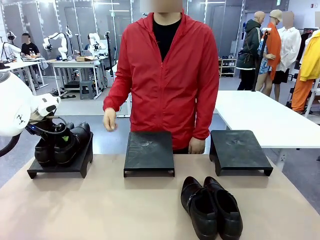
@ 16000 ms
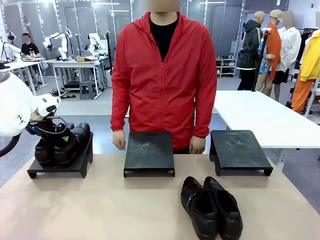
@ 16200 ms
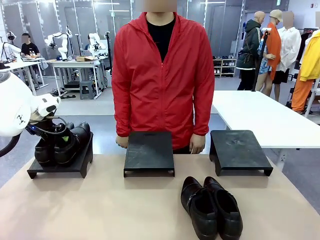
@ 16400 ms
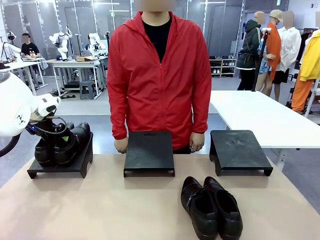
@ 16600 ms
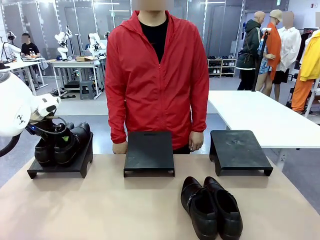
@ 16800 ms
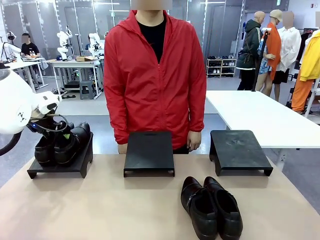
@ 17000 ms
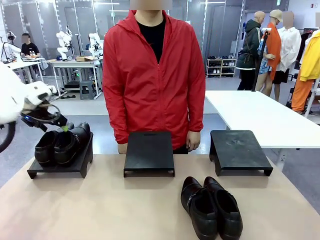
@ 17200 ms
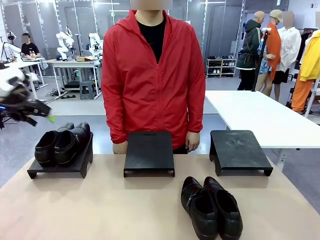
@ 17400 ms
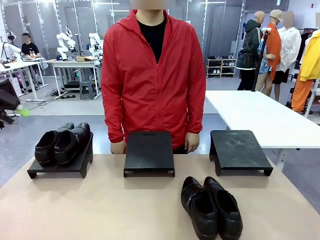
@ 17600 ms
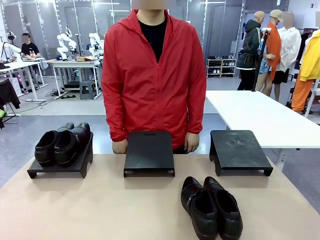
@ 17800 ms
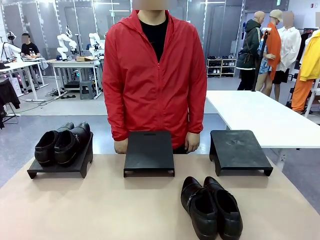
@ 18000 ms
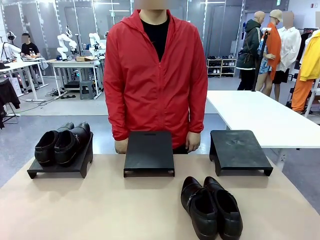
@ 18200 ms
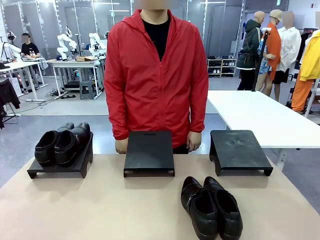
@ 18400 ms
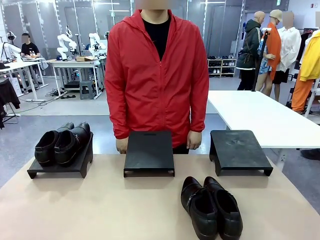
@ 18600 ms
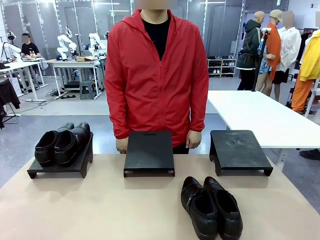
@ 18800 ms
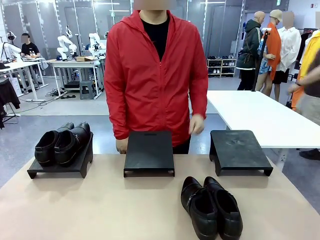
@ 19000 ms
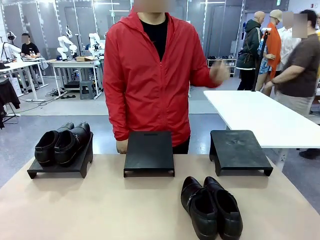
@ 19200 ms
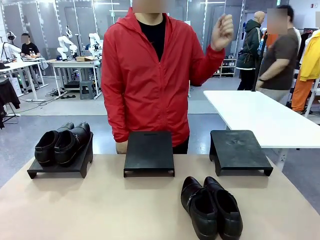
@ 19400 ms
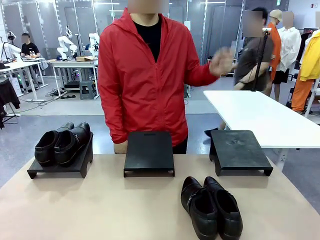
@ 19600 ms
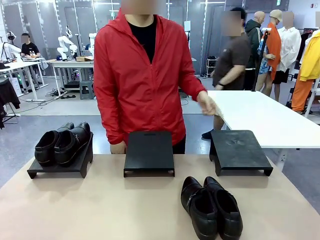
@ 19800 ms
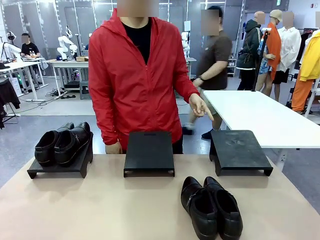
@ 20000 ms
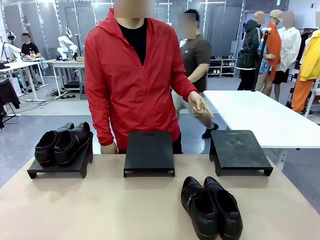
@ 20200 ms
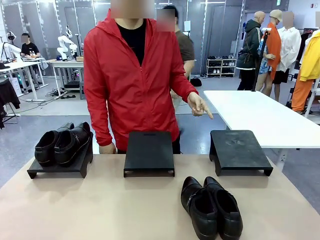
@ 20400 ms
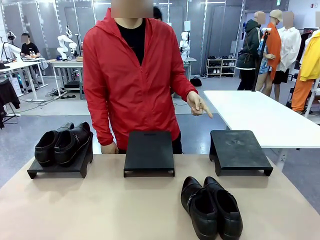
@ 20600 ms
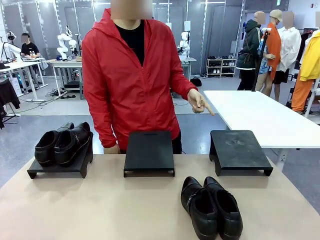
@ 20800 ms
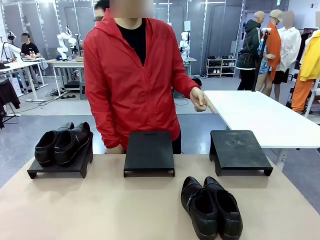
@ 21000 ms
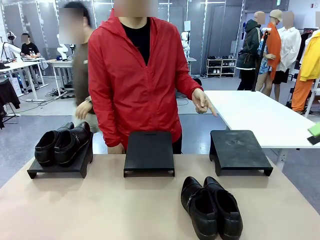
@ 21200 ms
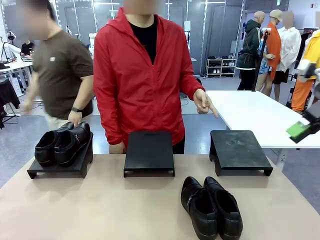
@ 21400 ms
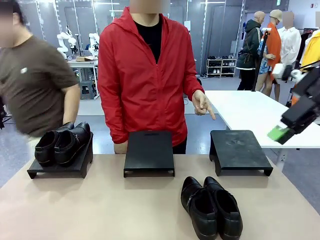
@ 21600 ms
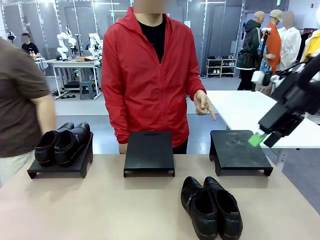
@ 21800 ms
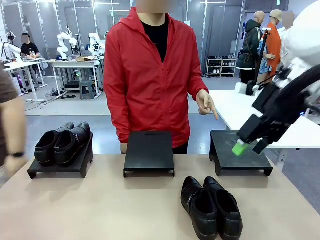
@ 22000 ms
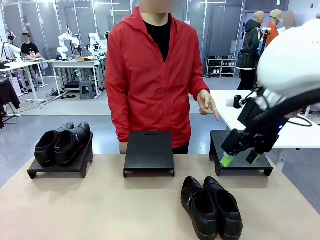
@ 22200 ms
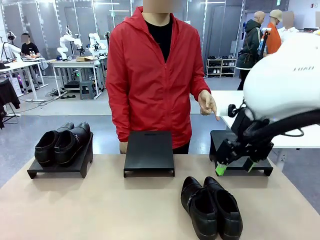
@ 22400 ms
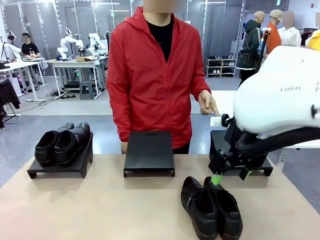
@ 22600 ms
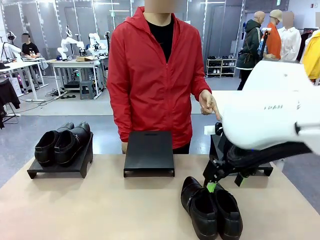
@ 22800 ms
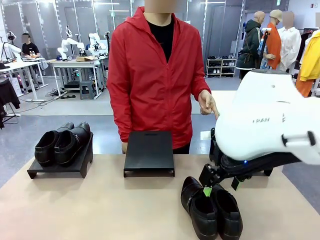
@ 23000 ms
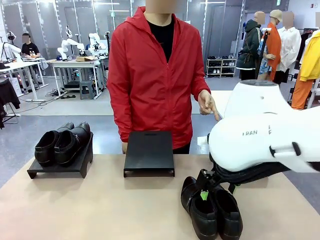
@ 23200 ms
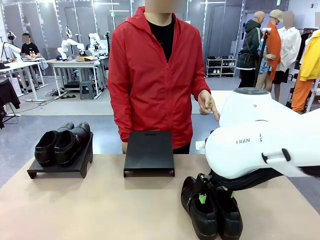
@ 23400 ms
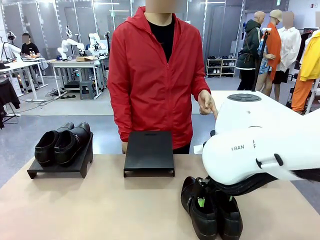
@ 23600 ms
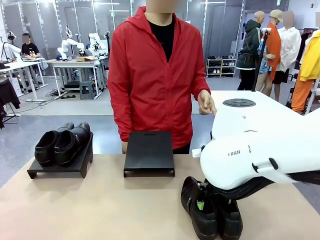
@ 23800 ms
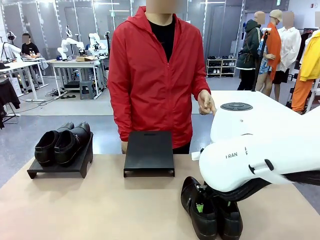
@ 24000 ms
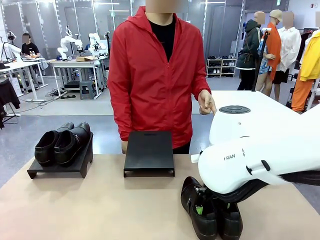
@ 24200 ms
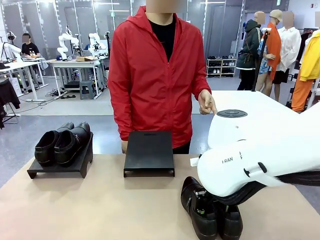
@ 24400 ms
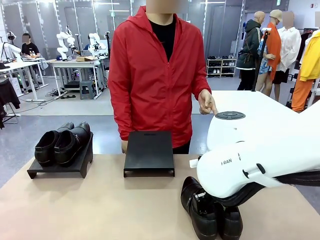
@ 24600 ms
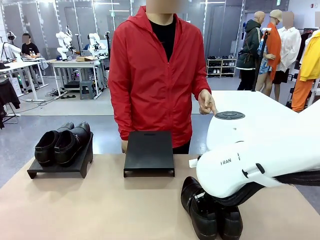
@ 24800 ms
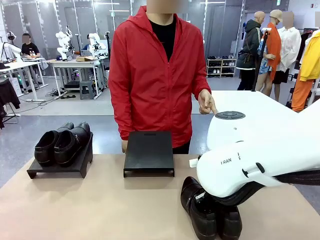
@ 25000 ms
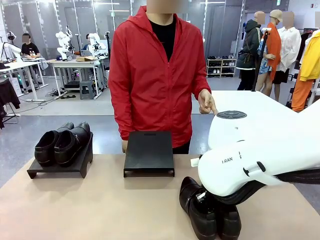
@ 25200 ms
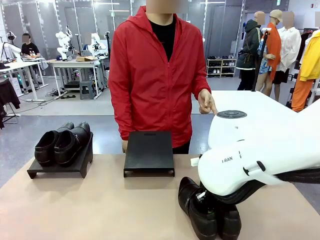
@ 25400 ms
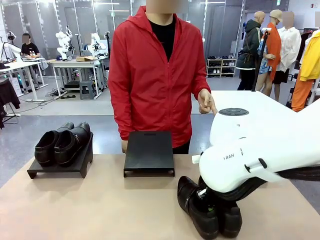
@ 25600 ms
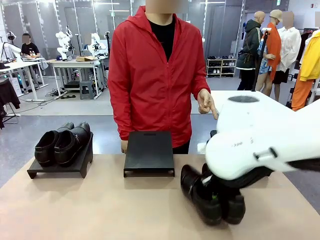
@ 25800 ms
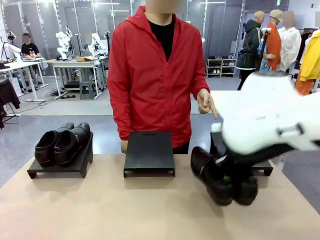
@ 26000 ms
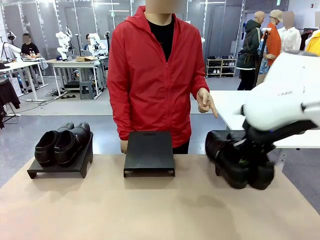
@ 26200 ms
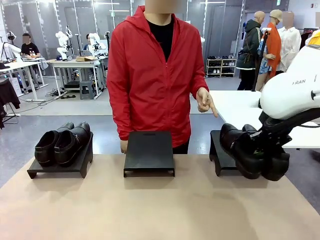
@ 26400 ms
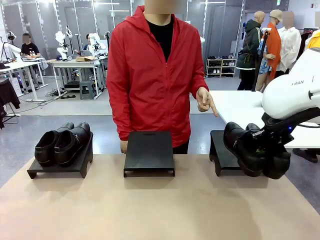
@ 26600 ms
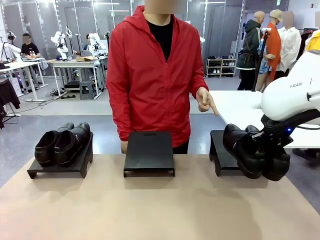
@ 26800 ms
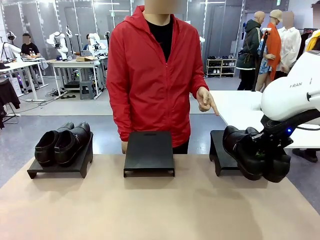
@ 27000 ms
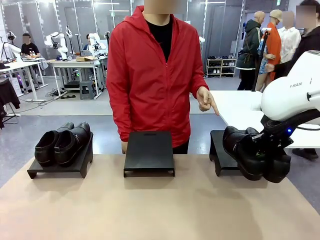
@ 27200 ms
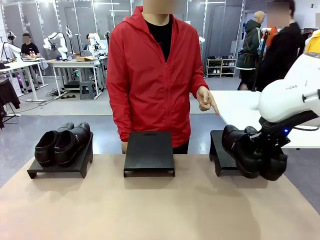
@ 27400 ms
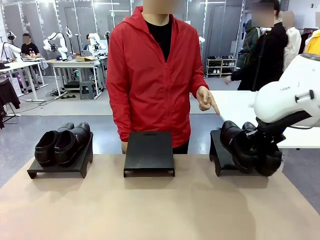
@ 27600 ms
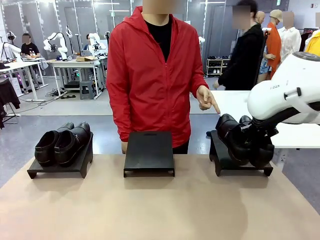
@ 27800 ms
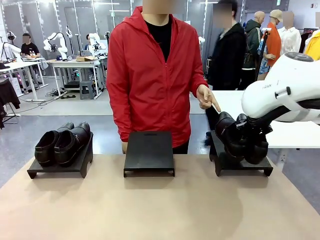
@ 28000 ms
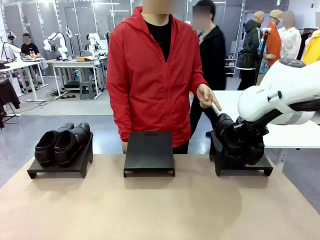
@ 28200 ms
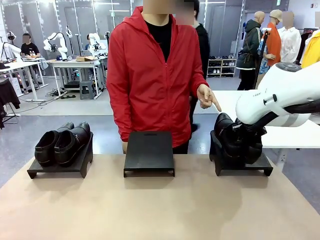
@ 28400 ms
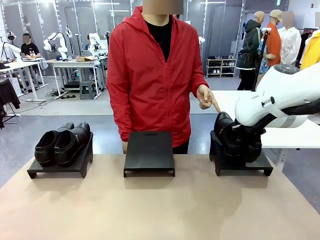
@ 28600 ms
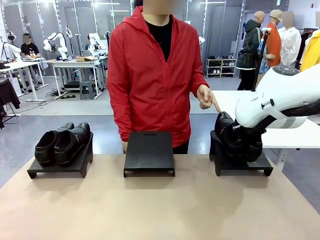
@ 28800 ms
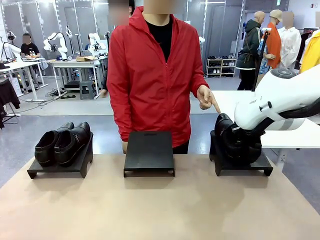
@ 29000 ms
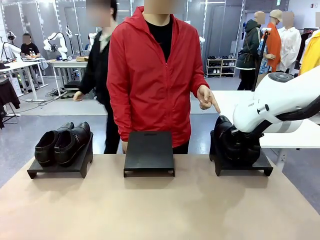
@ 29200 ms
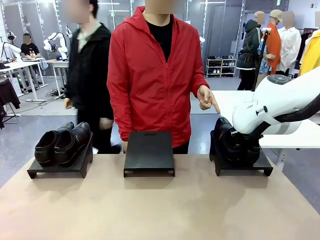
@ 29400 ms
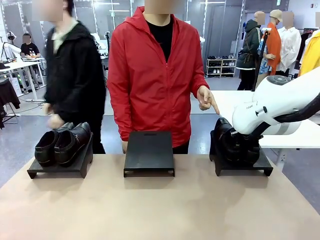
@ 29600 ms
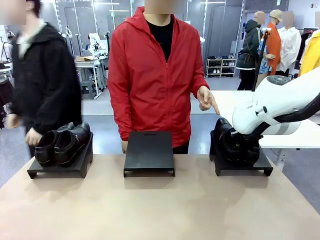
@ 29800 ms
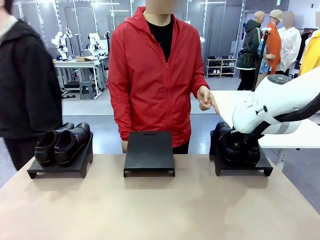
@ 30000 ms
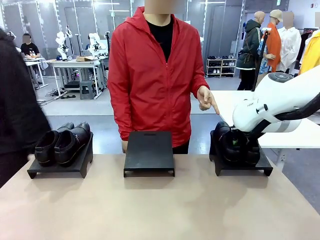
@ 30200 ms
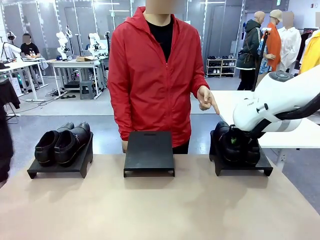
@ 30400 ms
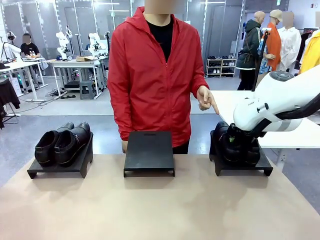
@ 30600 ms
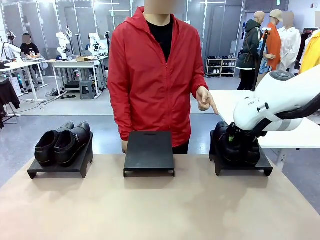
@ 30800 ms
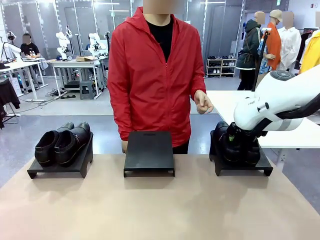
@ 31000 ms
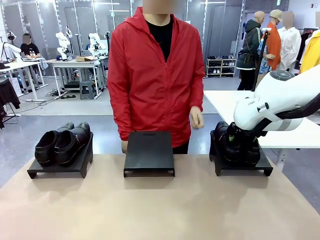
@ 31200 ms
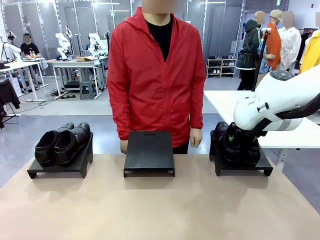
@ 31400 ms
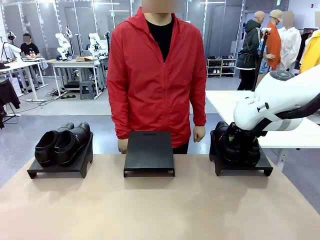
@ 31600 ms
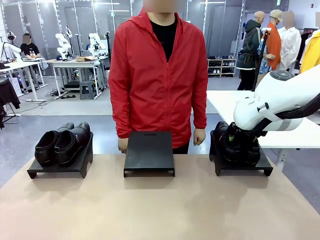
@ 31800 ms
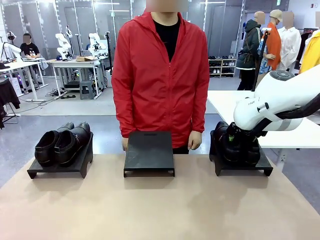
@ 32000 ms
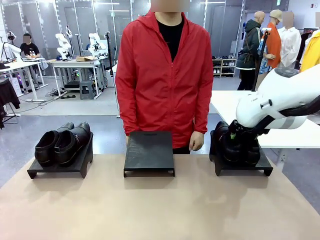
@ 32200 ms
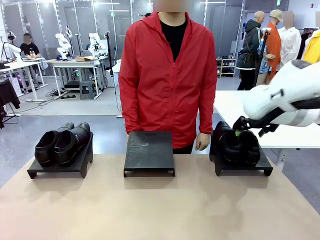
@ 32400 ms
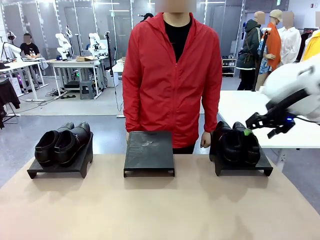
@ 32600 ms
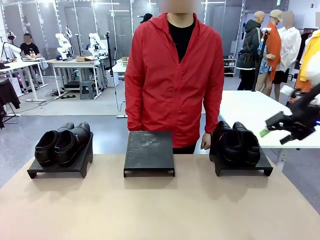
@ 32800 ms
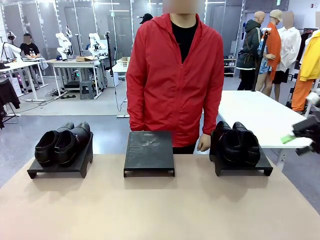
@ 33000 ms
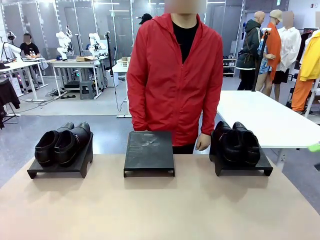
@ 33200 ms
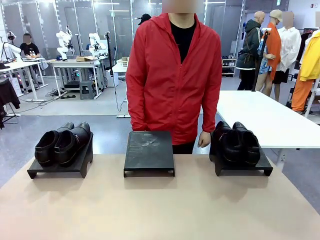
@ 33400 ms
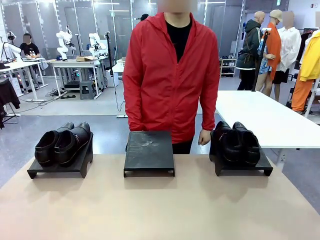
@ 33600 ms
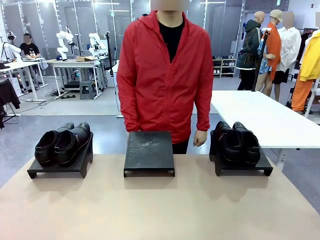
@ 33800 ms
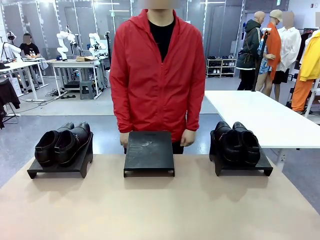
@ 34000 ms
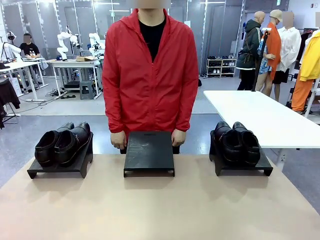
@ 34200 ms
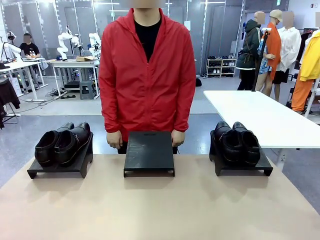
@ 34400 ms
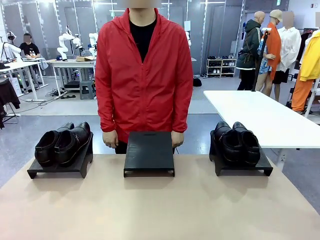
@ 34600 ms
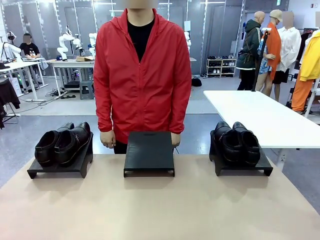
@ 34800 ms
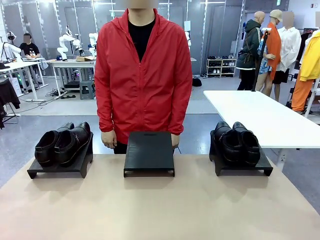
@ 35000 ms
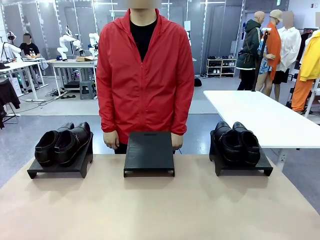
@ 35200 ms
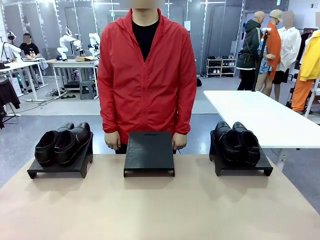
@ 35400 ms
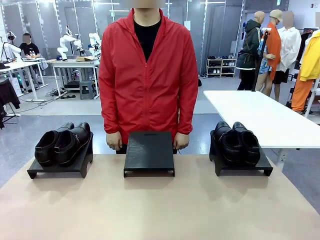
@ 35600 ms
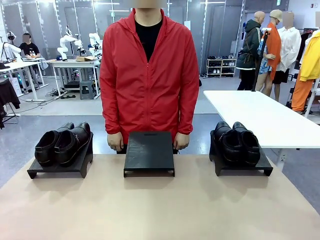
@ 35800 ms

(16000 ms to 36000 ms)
Task: Place the shoes on the stand as instructed by the person.
Robot: Pick up another pair of Shoes and place it on the Shoes Stand indicated by the person.
Person: Point to one Shoes Stand.
